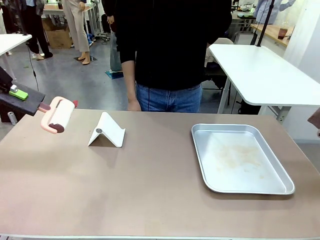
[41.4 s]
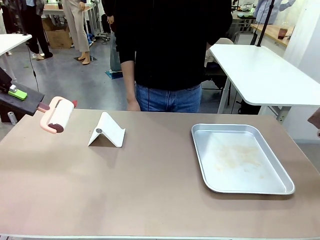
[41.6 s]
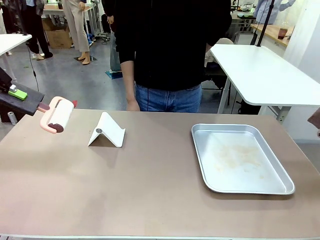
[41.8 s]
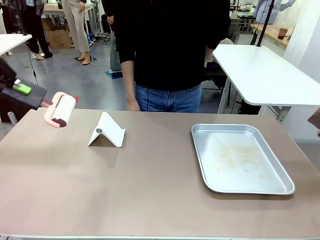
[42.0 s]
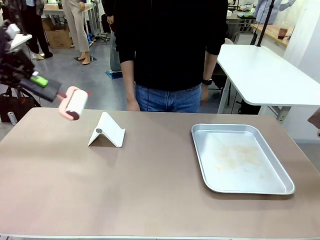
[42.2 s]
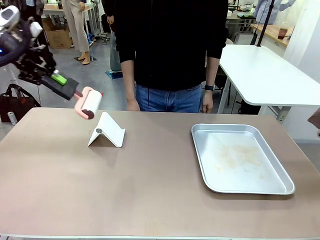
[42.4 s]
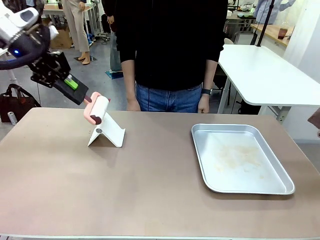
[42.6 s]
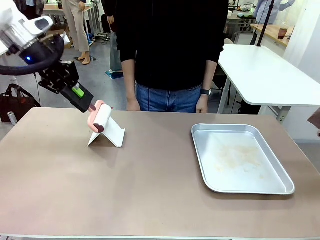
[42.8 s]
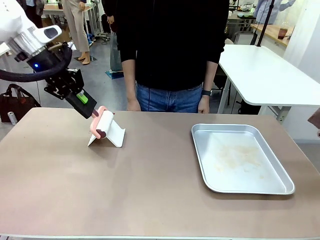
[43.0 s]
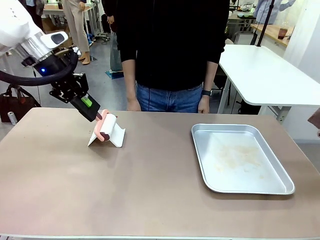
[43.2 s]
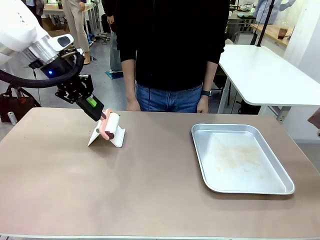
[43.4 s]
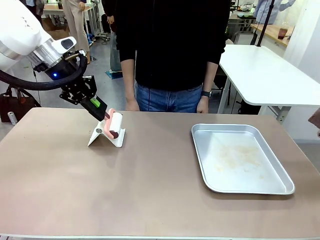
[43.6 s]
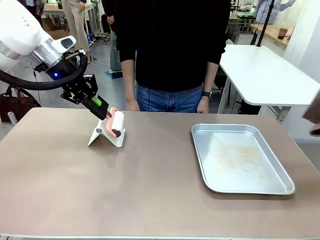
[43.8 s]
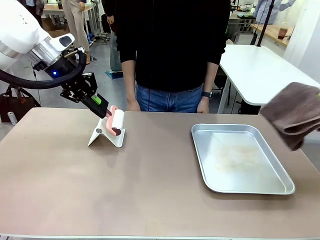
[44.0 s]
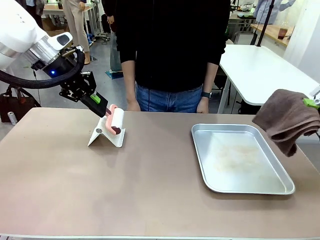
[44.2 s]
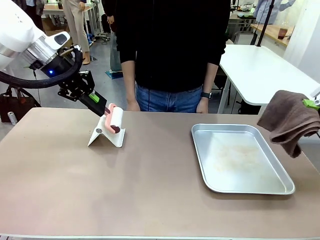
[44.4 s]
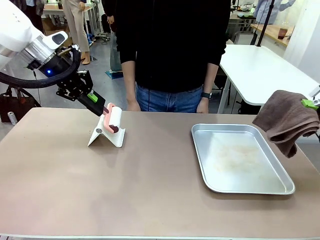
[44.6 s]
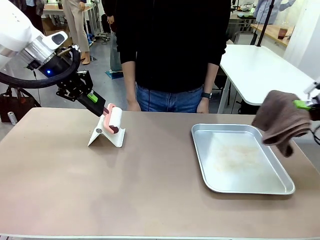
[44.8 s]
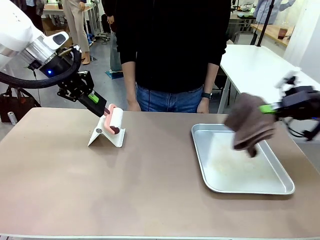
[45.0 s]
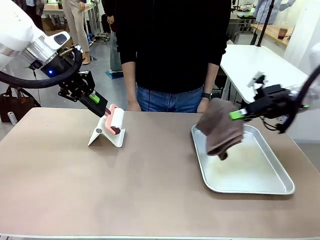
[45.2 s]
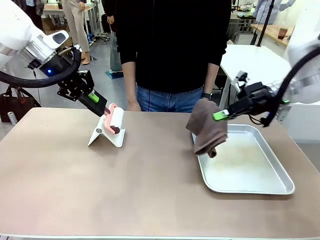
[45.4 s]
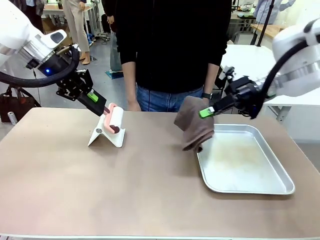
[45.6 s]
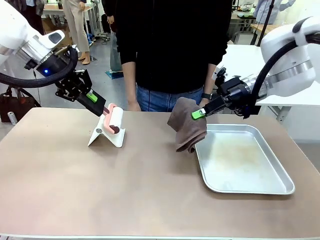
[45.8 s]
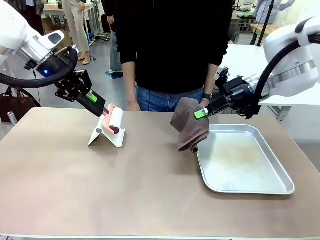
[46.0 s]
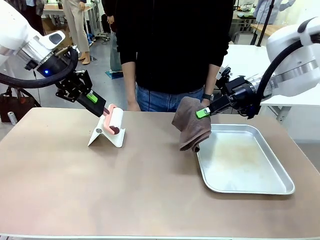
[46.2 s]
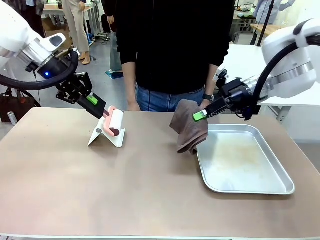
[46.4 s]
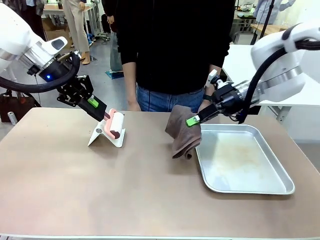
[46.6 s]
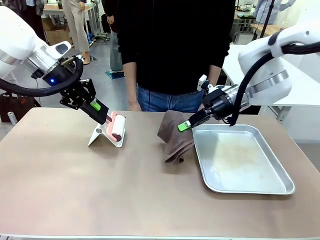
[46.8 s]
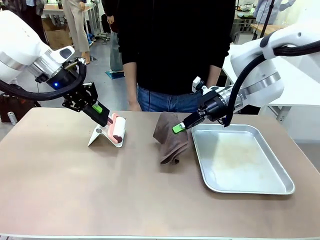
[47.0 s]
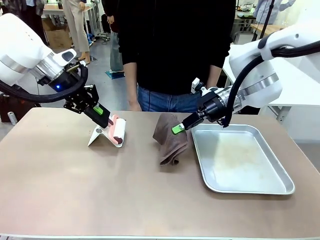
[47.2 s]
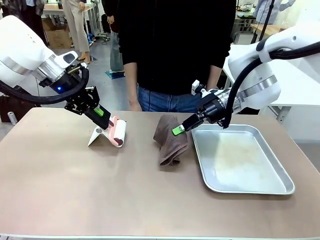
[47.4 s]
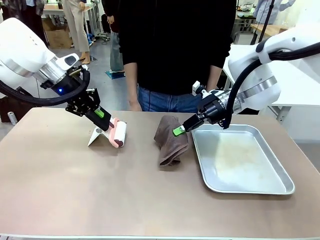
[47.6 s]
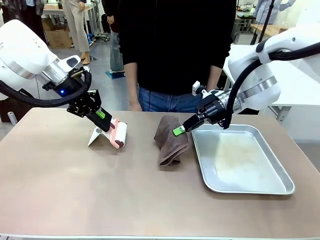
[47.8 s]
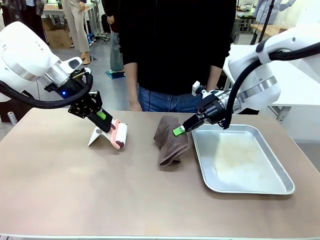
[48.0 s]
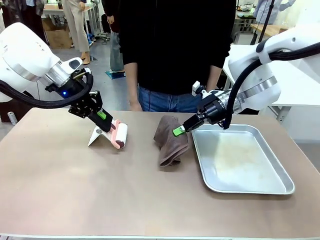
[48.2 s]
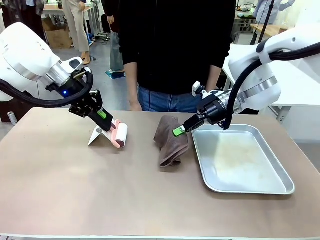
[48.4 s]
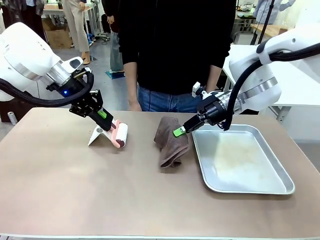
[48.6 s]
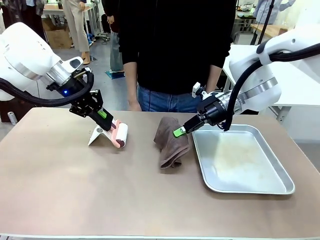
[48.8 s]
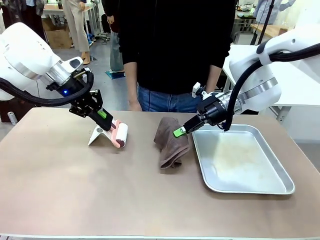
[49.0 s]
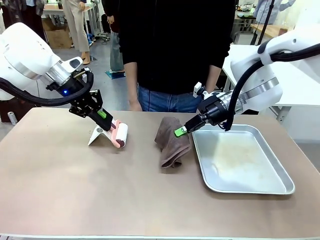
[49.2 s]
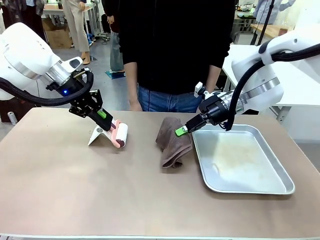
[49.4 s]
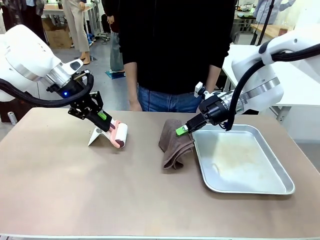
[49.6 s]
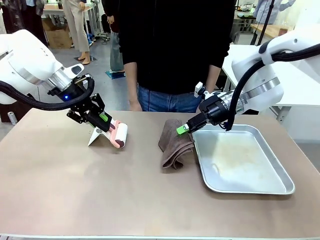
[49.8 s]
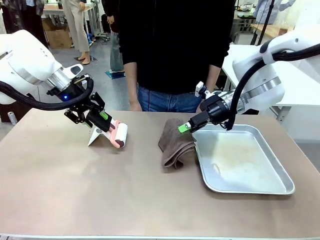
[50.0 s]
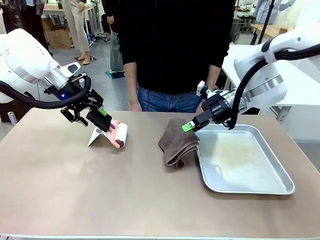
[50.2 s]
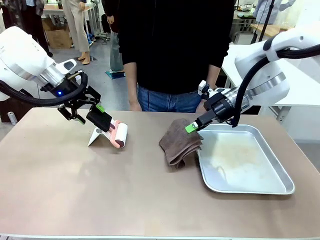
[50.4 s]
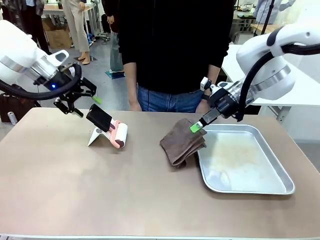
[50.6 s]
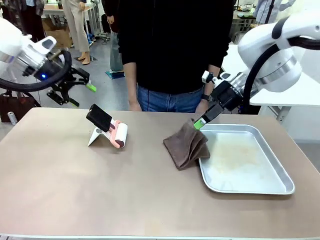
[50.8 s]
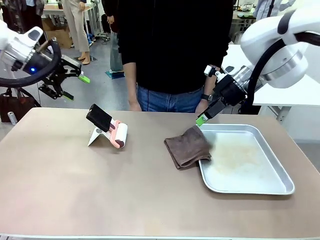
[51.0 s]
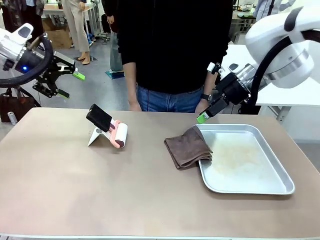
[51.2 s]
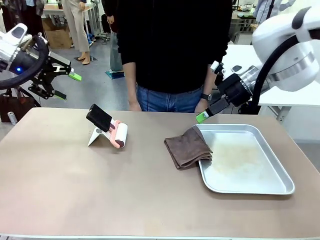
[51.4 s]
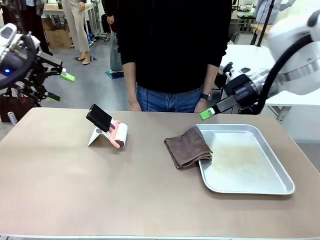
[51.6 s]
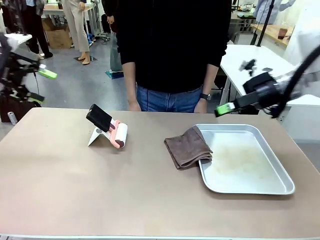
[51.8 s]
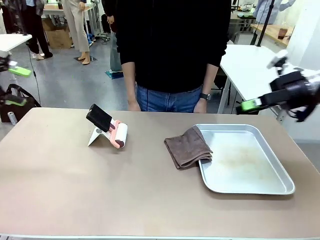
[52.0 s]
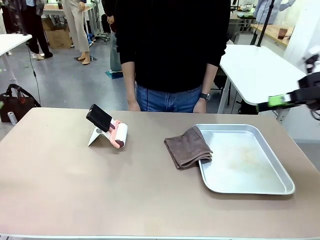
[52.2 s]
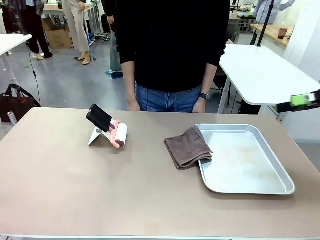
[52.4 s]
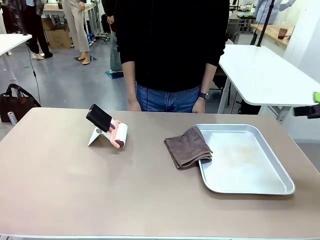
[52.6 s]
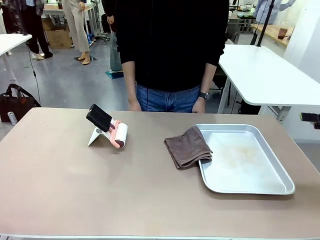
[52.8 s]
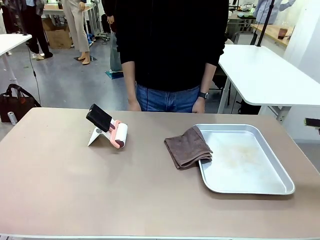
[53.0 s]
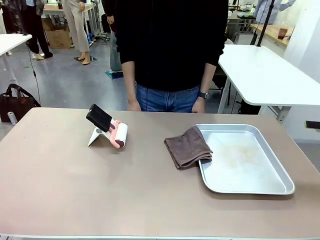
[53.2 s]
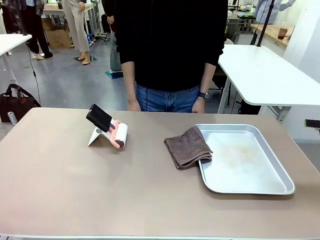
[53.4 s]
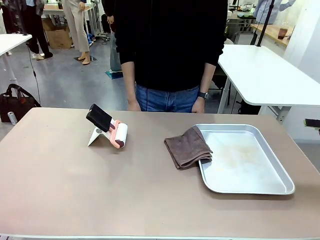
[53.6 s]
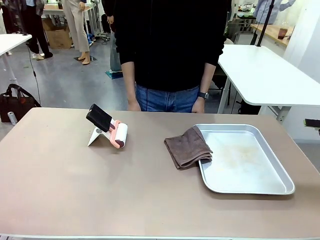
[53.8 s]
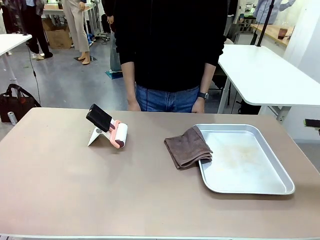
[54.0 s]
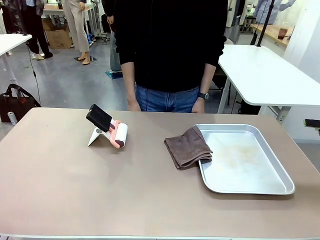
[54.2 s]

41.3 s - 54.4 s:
Task: Clean the surface of the table.
Robot: Return the Lint Roller and towel to their original positions.

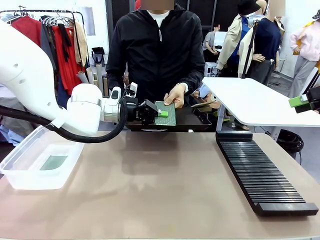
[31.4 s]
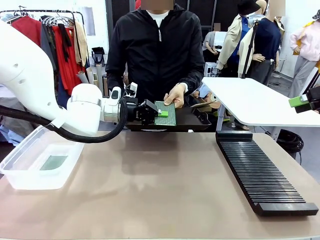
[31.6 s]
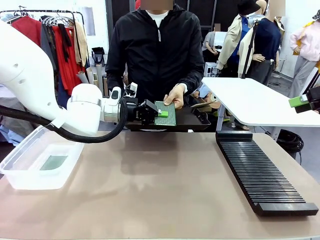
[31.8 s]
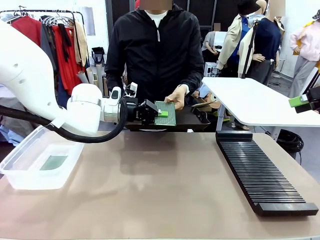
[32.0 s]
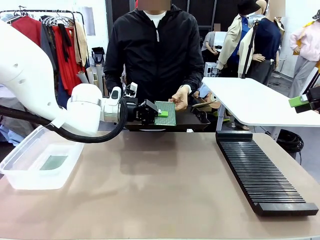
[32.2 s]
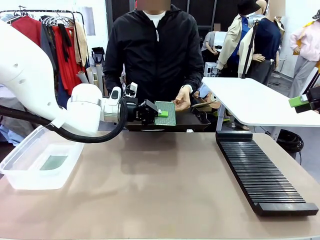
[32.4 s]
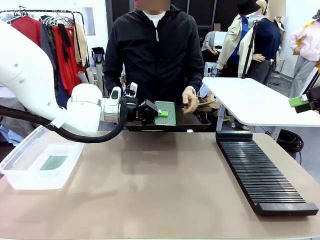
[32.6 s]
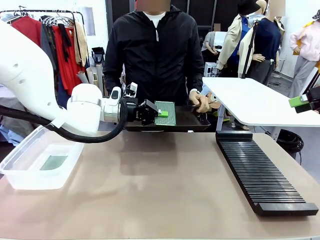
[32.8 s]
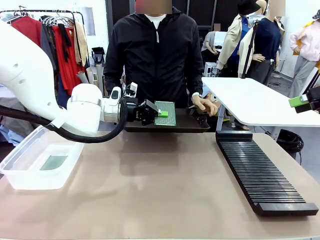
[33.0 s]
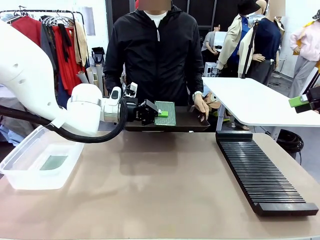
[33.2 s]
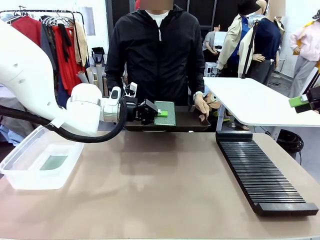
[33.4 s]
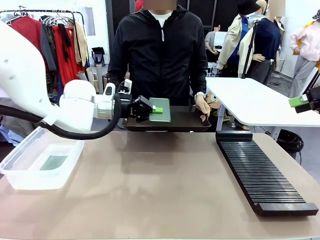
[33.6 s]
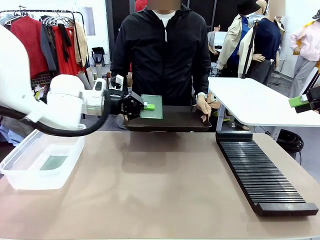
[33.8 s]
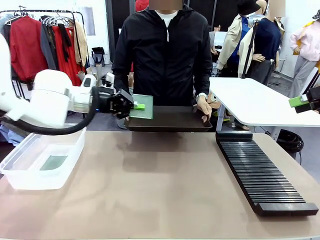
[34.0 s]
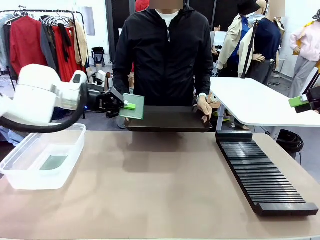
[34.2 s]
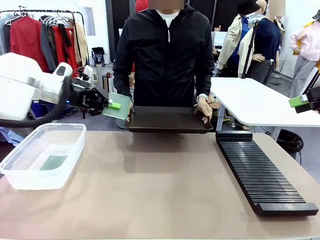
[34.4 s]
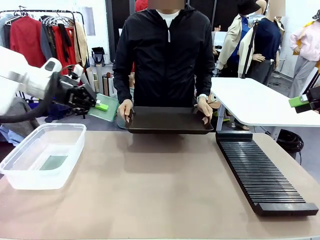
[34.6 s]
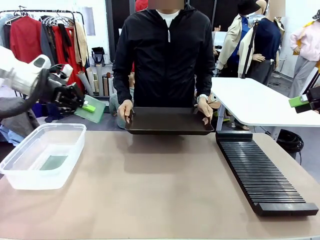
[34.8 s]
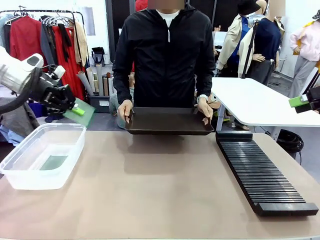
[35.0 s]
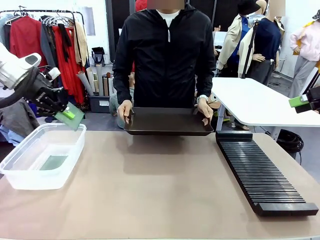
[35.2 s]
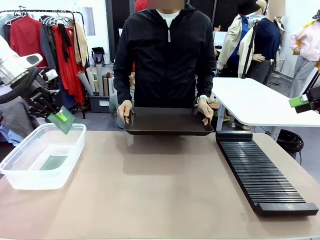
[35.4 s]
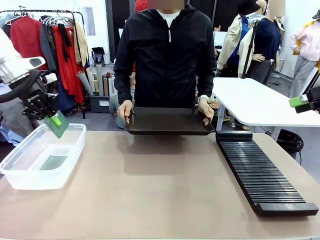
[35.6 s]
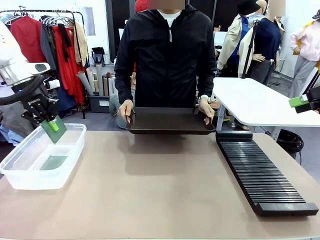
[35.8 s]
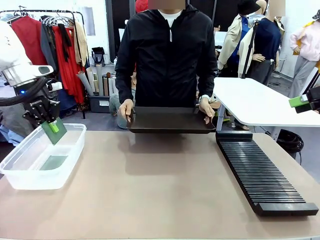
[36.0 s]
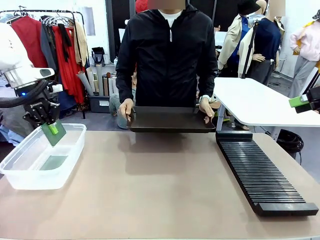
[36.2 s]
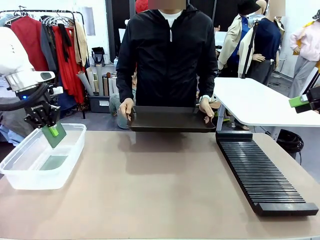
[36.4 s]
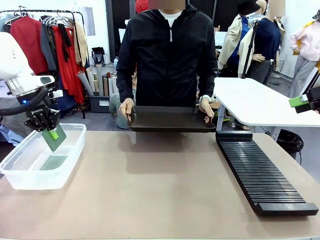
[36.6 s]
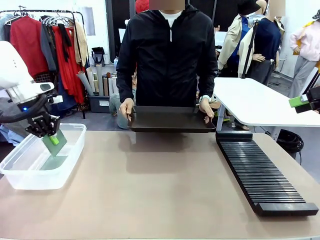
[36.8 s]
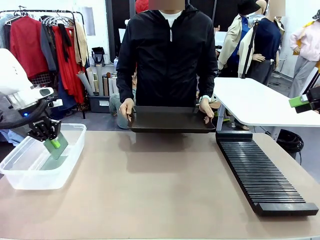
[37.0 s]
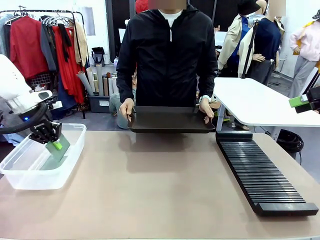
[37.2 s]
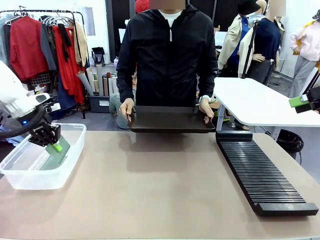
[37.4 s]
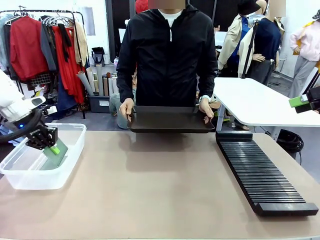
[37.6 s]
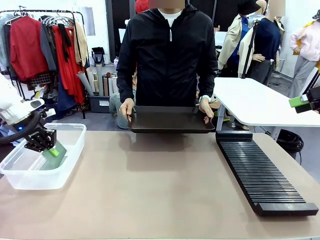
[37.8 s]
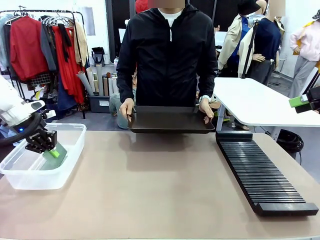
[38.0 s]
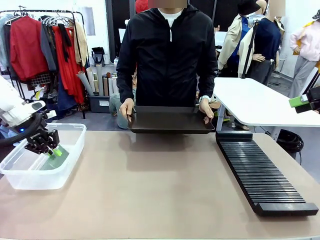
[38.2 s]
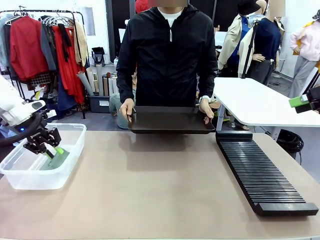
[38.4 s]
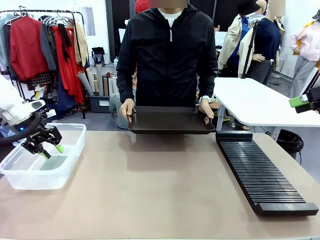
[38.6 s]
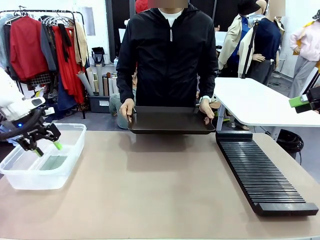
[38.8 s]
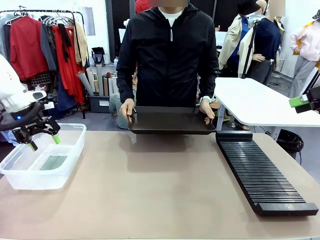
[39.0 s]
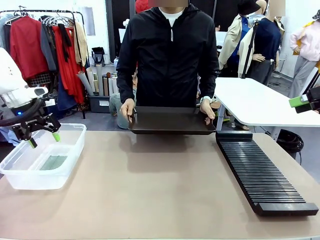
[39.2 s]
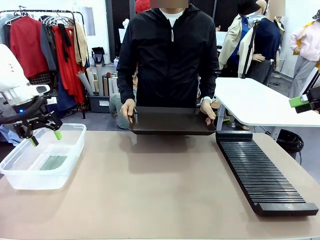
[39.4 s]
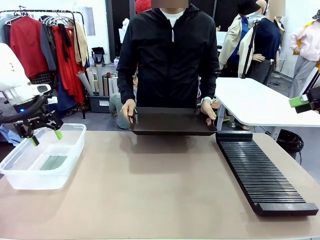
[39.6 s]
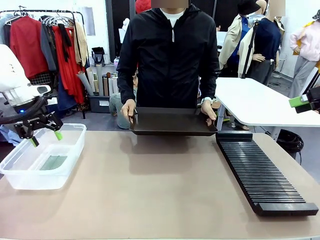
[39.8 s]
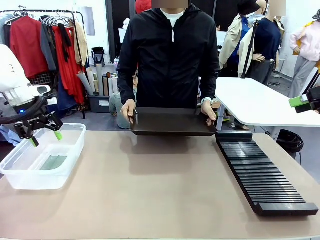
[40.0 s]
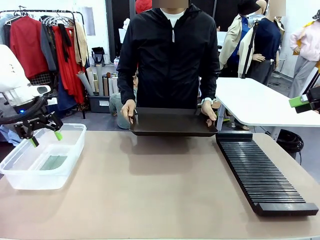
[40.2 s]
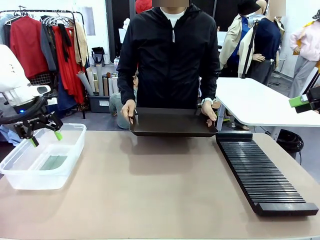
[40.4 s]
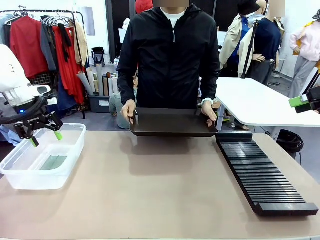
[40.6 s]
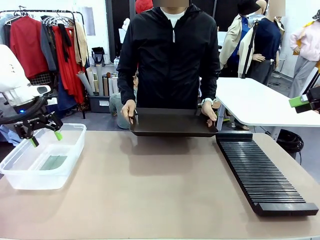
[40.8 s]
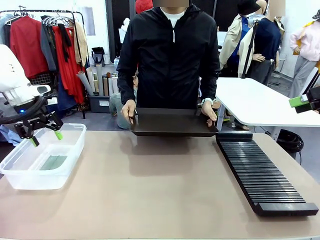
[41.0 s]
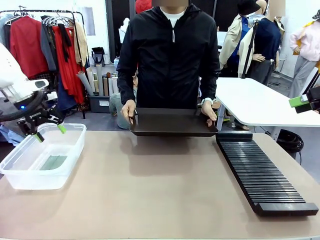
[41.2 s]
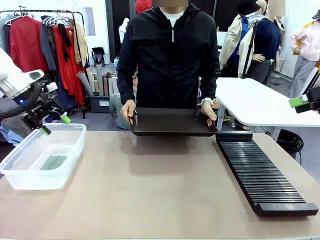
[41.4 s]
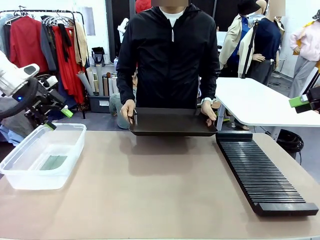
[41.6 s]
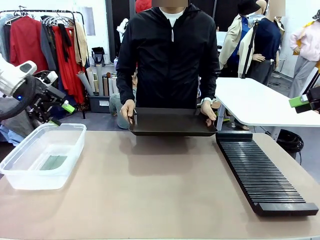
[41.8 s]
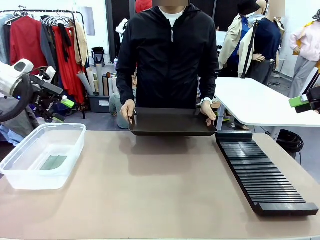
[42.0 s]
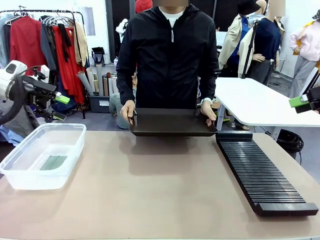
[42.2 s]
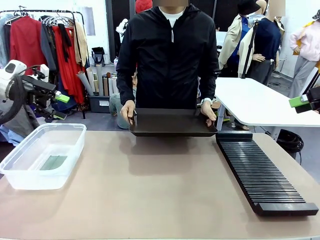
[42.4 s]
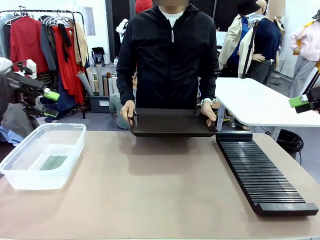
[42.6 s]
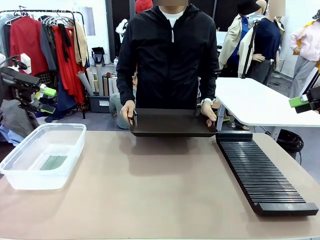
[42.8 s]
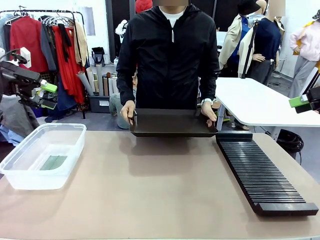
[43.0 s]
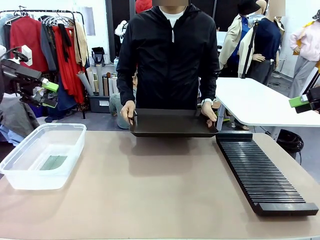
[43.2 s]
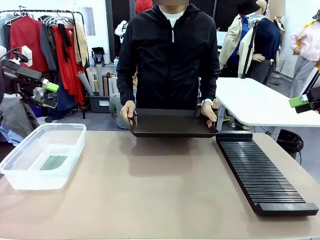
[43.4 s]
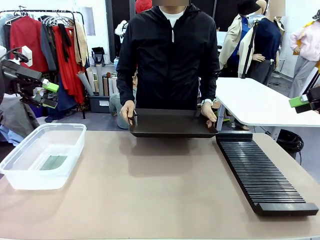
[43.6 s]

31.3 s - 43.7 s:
Task: Sort PCBs into racks and boxes based on the side picked up.
Robot: If the short side of the Blank PCB is picked up, insert it into the PCB Rack ; if the long side is picked up, place it in the Organizing box.
Person: Release the PCB being held.
